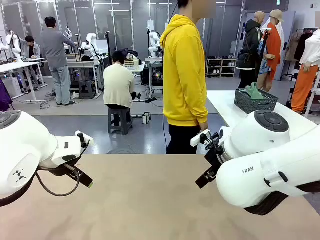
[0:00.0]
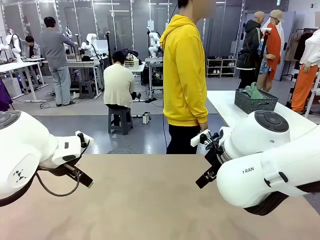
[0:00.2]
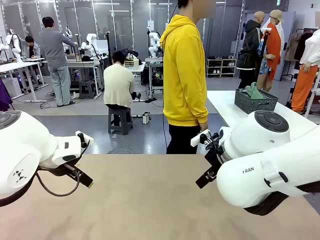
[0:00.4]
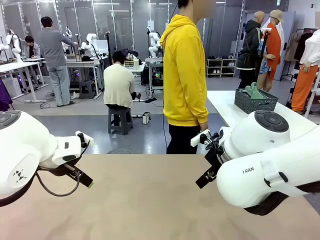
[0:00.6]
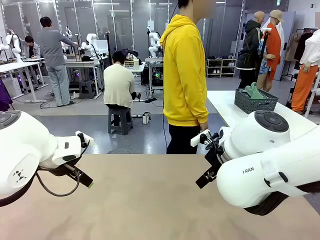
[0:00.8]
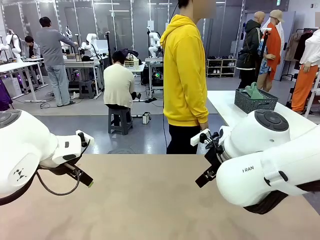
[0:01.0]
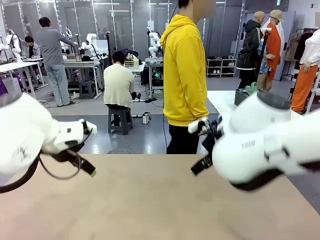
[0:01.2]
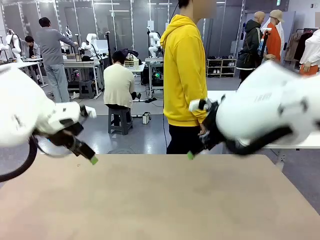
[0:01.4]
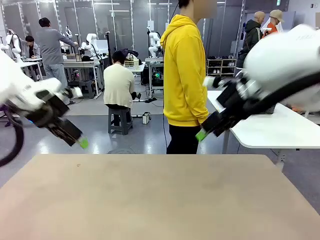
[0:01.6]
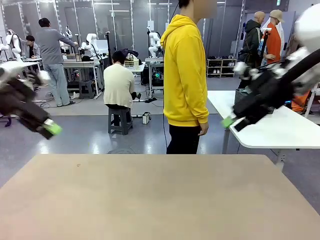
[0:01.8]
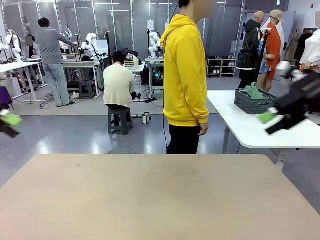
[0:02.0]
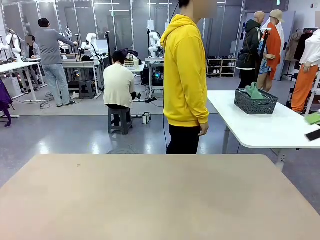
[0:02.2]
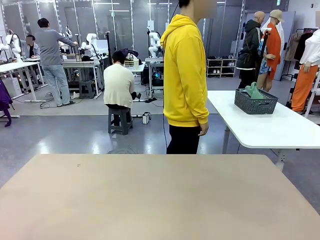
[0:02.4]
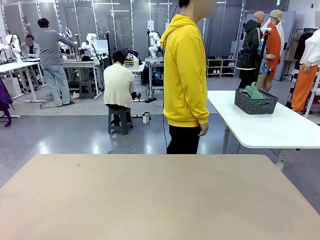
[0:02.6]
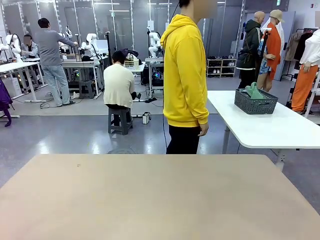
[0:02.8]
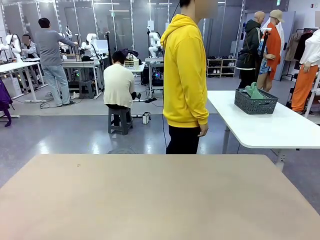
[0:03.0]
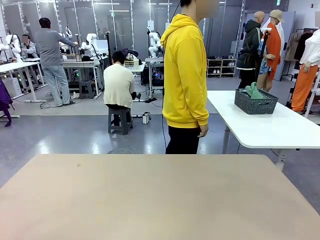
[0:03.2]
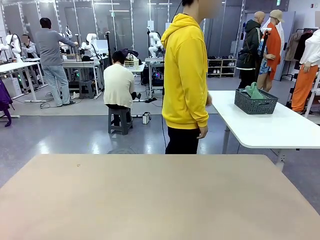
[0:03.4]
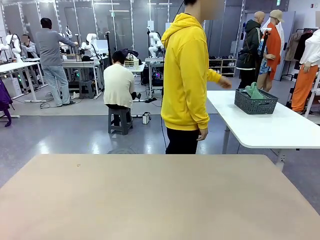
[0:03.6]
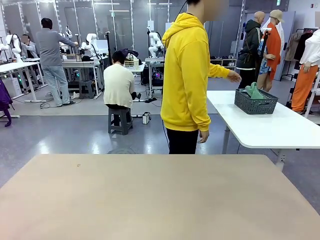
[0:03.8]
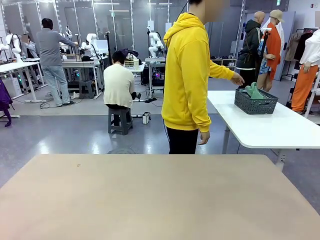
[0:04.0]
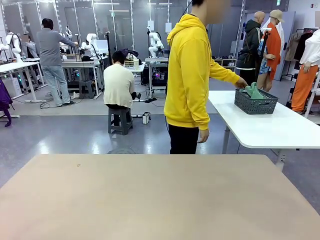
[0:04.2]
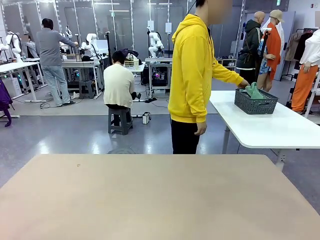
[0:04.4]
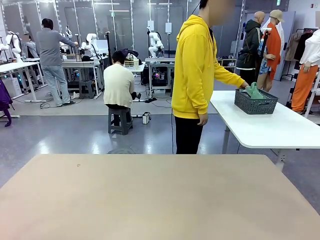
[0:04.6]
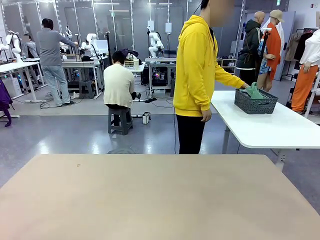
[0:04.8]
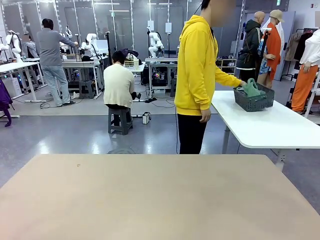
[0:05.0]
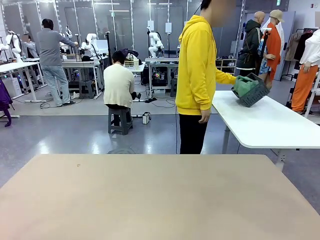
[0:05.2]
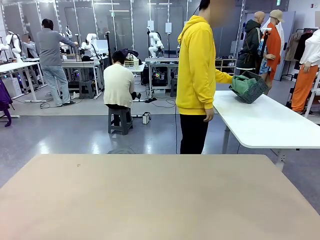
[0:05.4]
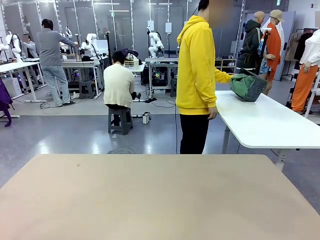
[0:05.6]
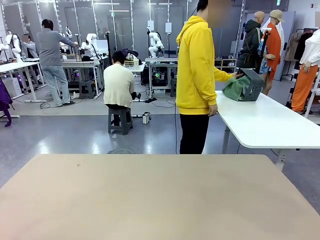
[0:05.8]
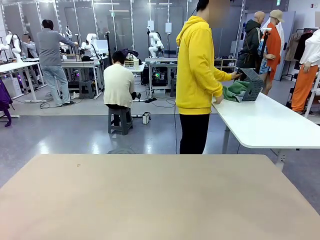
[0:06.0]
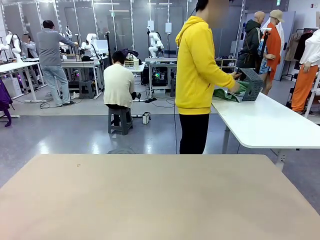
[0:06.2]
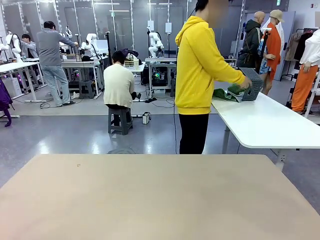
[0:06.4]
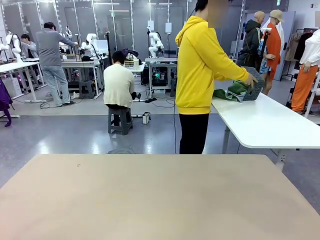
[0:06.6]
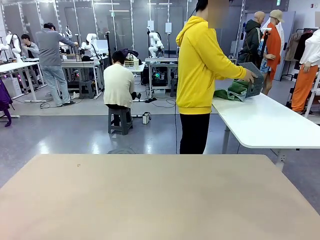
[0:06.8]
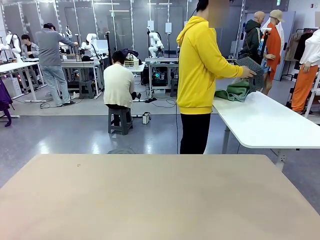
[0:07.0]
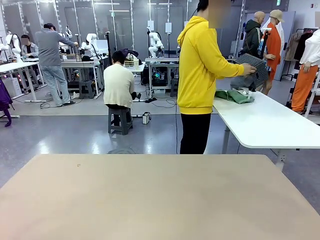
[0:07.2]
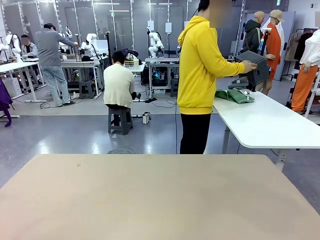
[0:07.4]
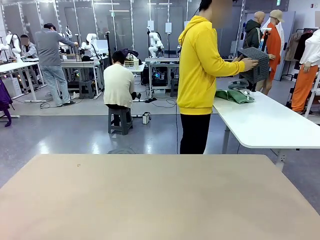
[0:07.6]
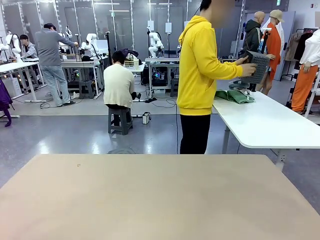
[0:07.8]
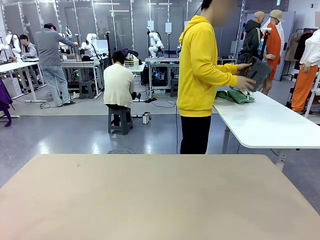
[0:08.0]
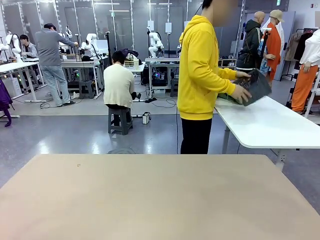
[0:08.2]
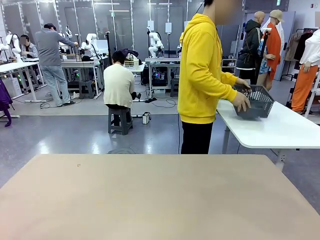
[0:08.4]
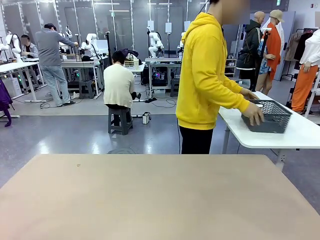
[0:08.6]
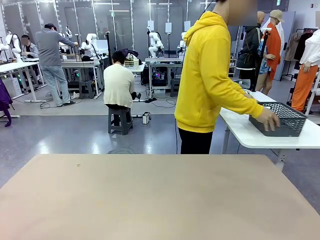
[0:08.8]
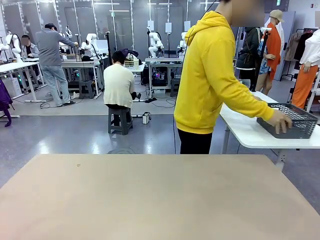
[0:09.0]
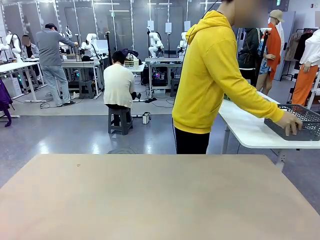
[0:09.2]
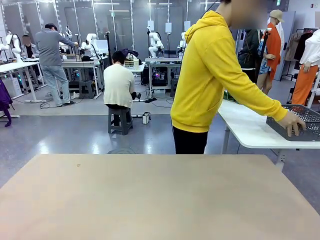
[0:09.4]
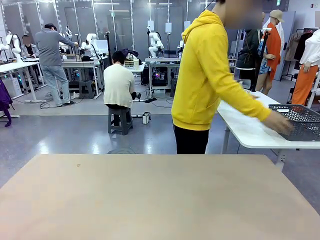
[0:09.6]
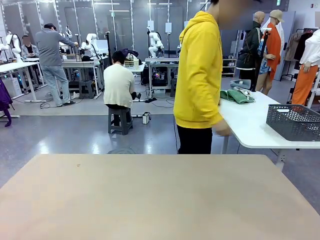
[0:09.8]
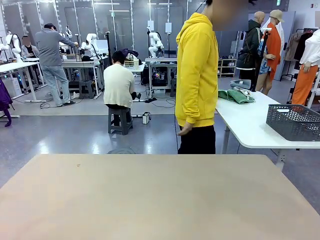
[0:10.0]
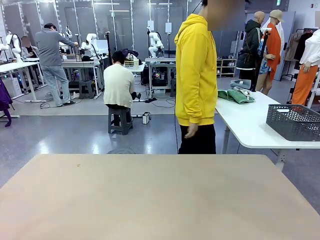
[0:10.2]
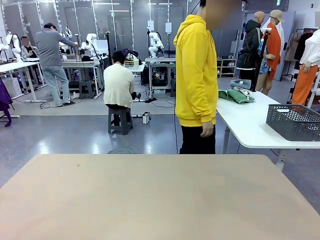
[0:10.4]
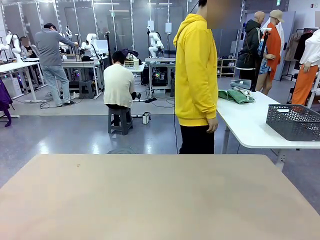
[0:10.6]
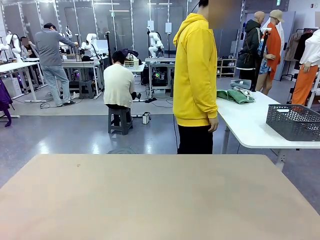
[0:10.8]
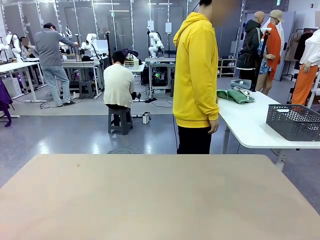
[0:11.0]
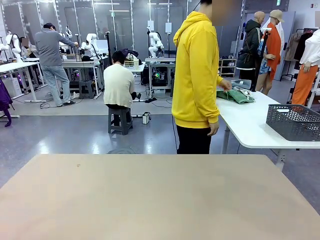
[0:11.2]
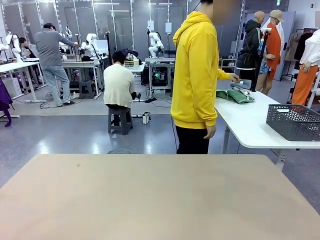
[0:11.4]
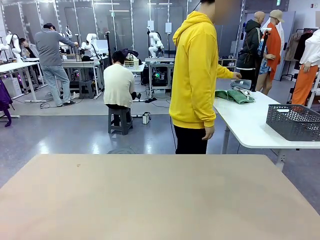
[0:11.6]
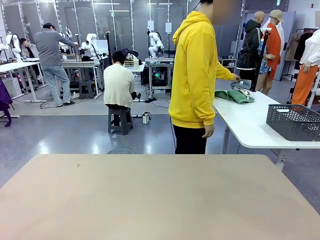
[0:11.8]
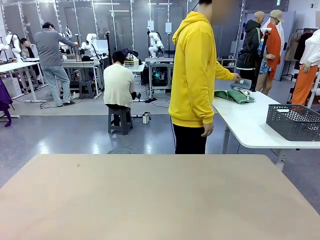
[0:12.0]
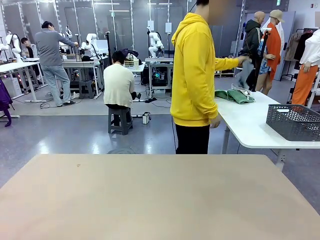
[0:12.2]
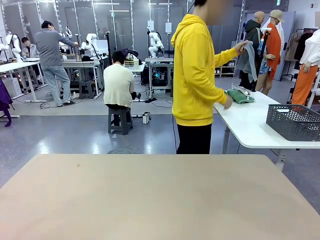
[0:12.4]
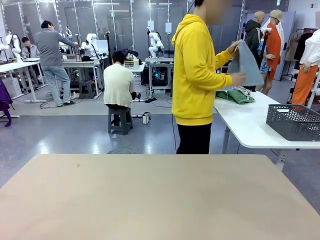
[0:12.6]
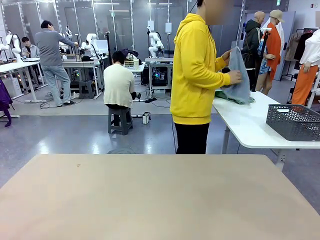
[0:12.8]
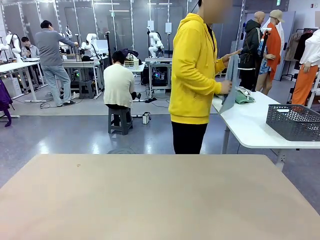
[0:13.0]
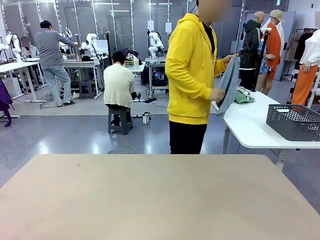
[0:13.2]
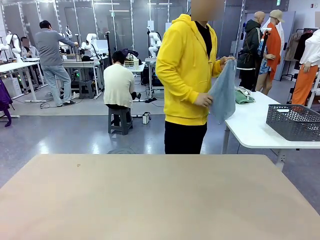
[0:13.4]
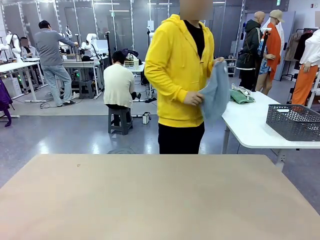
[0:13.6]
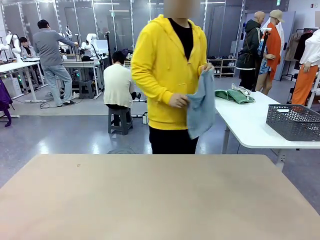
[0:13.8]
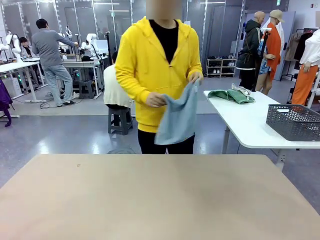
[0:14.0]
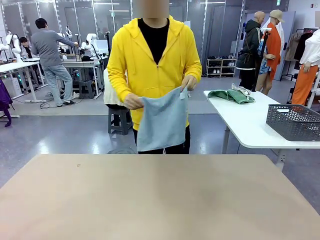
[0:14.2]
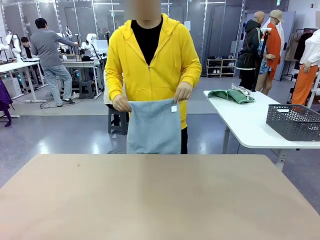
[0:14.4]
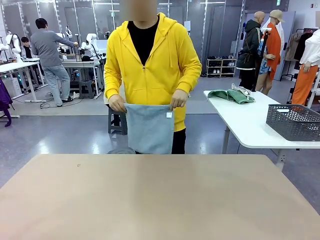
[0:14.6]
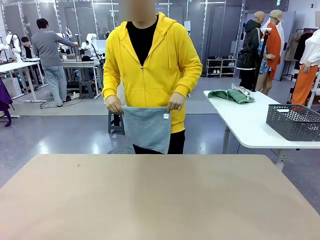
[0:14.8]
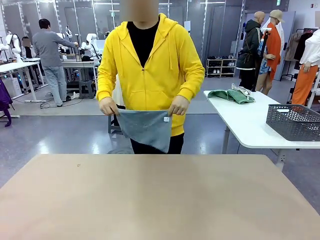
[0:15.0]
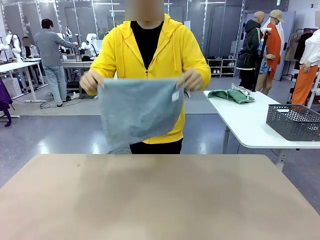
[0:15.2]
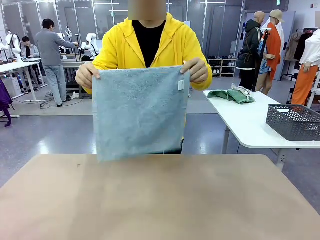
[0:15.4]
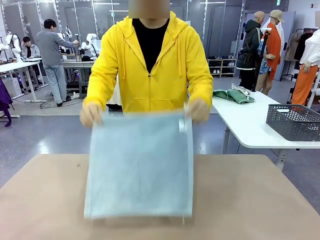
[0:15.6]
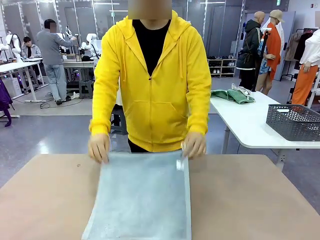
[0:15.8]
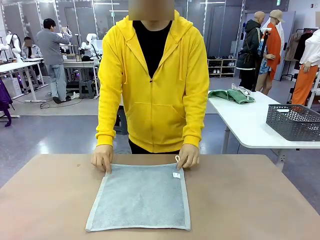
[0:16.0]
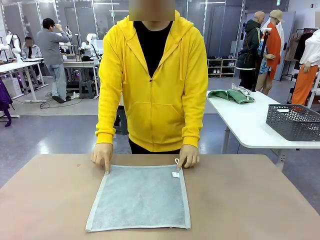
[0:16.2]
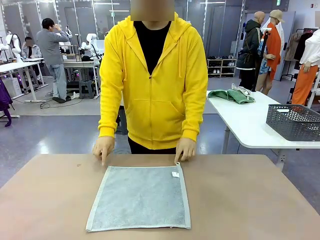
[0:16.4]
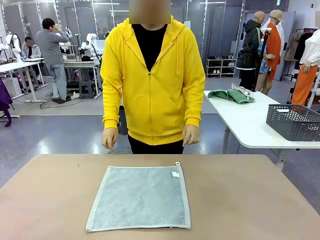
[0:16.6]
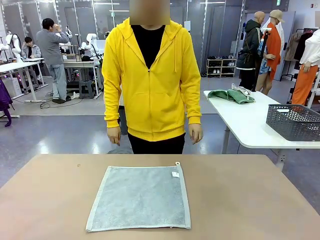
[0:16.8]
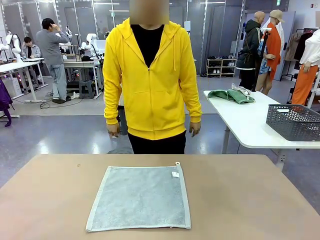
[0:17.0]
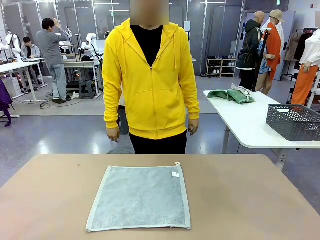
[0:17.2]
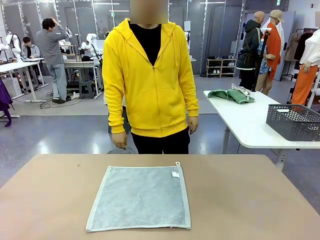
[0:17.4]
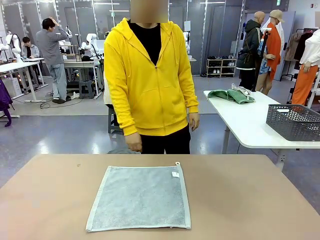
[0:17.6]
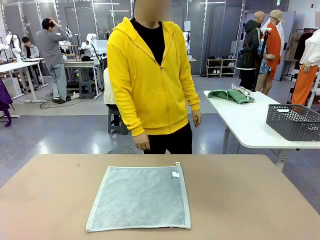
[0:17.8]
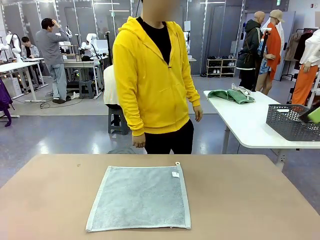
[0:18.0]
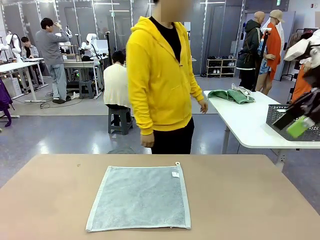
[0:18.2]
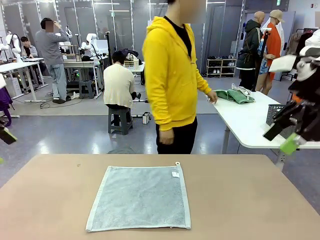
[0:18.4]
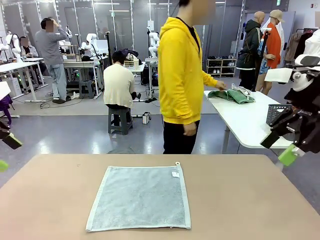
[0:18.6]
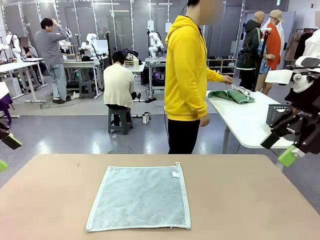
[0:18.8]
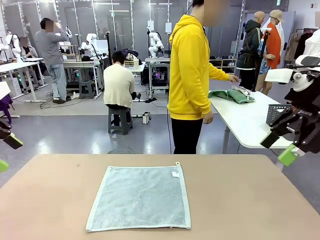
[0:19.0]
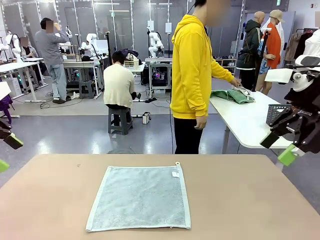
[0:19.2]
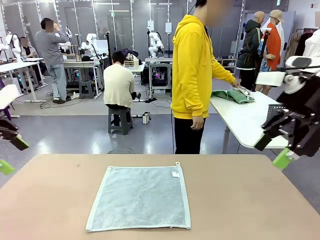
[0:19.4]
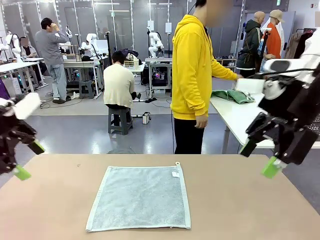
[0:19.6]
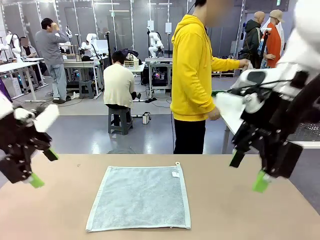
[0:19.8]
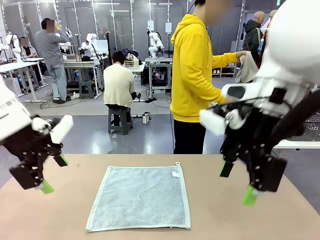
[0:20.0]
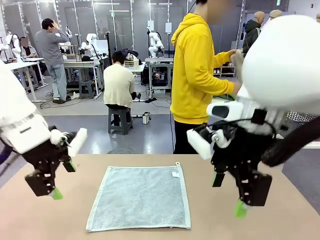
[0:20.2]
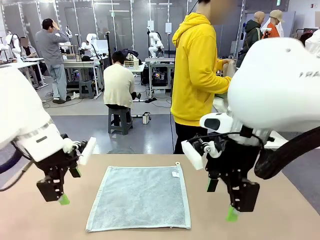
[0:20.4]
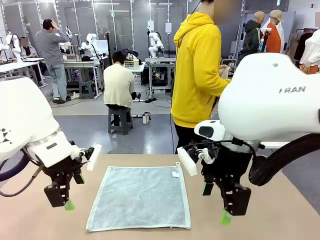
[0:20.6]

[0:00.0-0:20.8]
Task: Fold the towels and place them in the basket.
Robot: When a person lays out a Towel with hook on the table, fold it in half twice.
Person: Pick up the basket, pour the towels onto the left side of the human table, and place the basket on the right side. Pick up one towel and spread it out at the center of the robot table.
